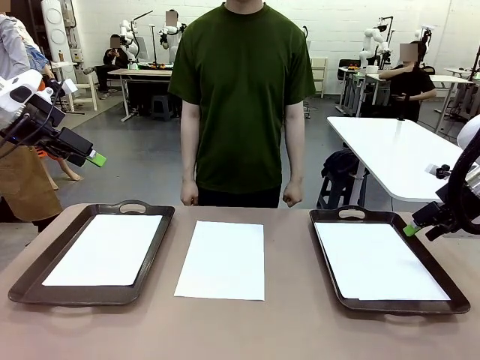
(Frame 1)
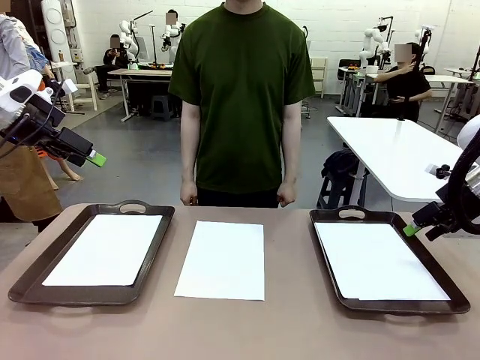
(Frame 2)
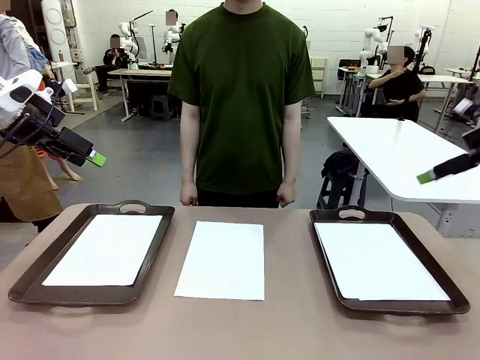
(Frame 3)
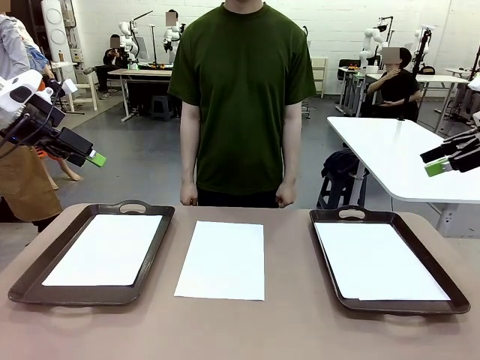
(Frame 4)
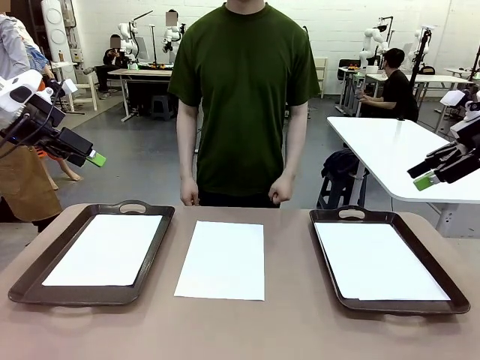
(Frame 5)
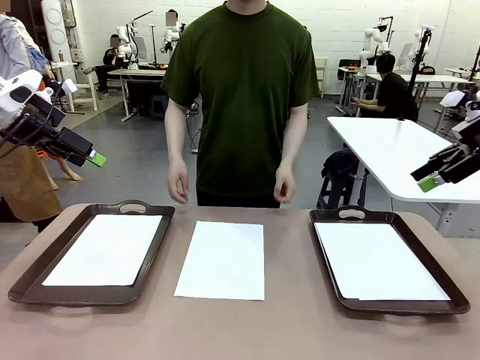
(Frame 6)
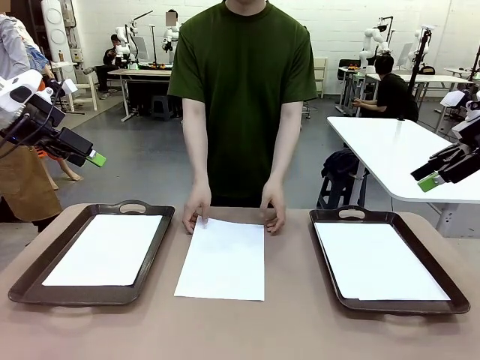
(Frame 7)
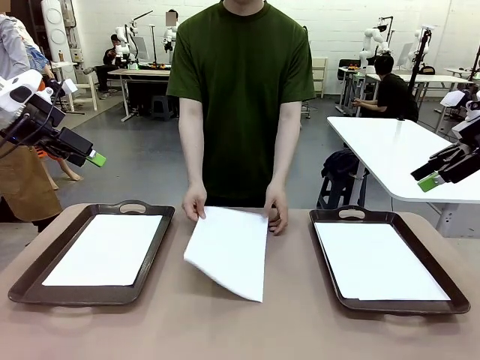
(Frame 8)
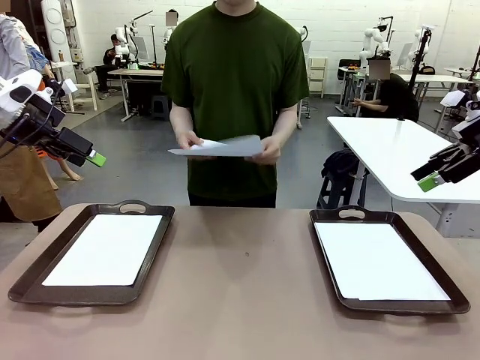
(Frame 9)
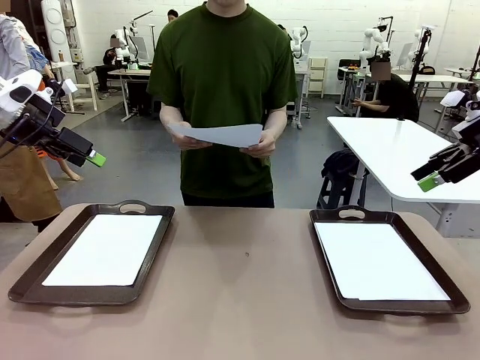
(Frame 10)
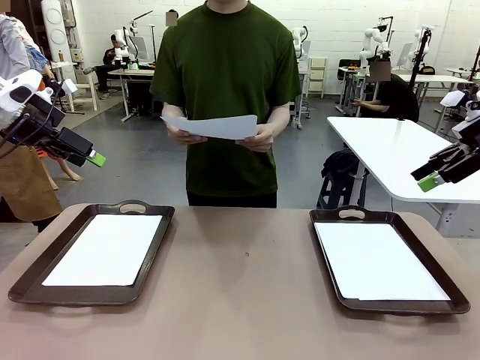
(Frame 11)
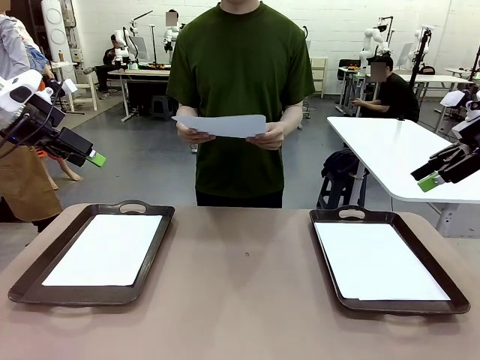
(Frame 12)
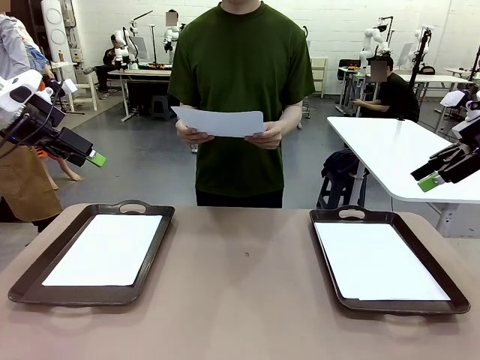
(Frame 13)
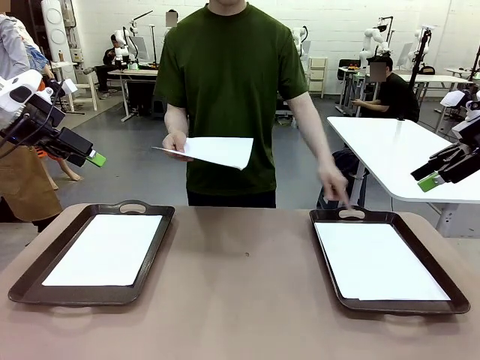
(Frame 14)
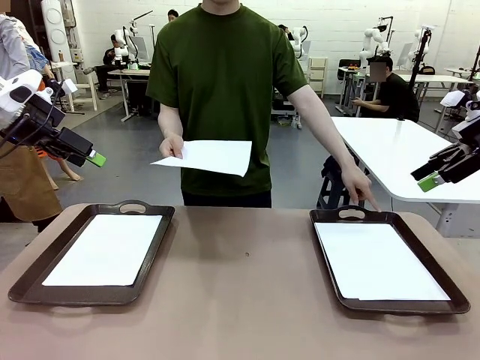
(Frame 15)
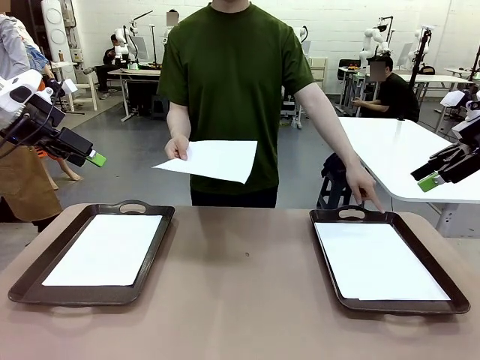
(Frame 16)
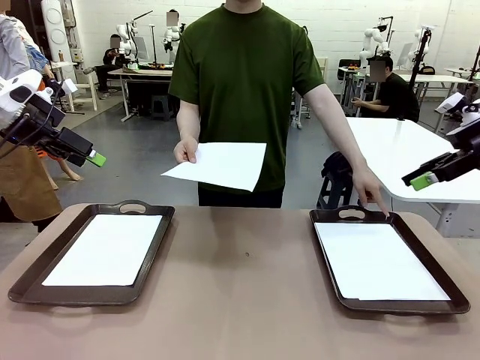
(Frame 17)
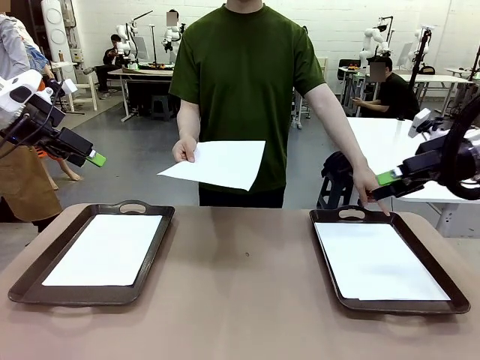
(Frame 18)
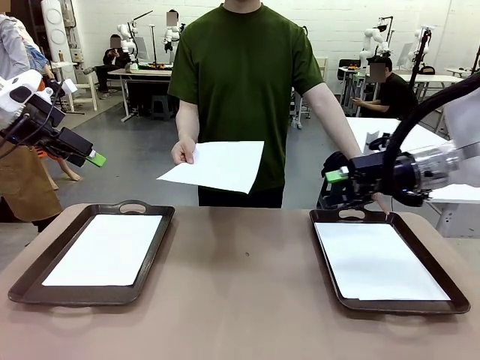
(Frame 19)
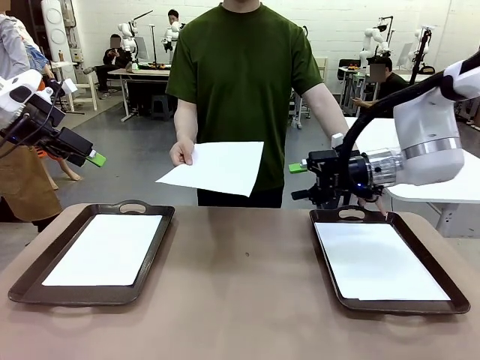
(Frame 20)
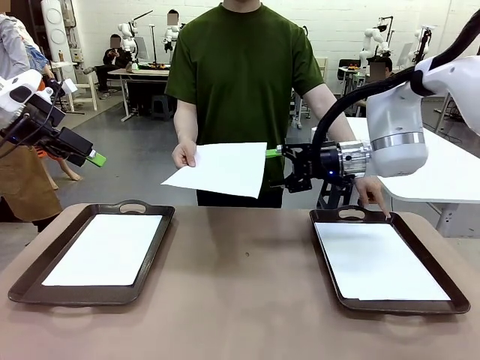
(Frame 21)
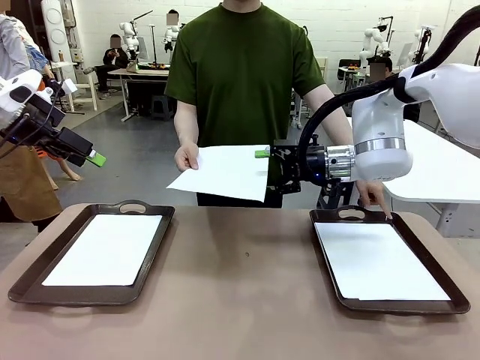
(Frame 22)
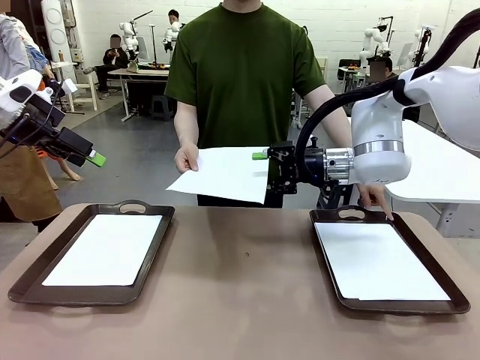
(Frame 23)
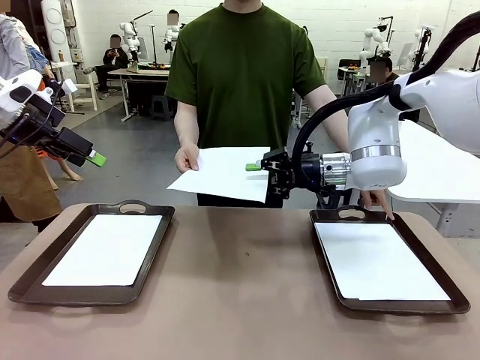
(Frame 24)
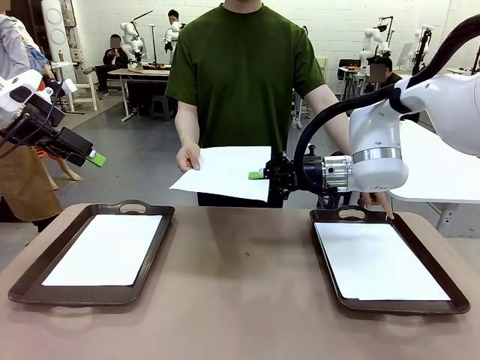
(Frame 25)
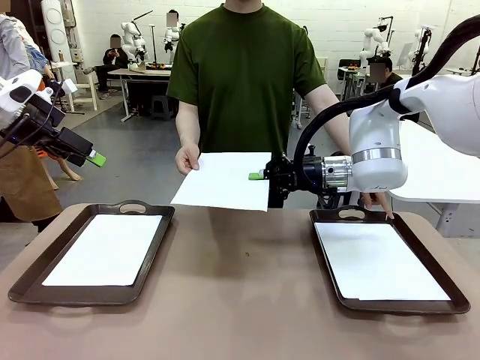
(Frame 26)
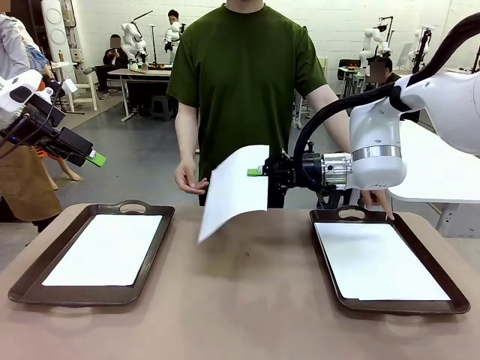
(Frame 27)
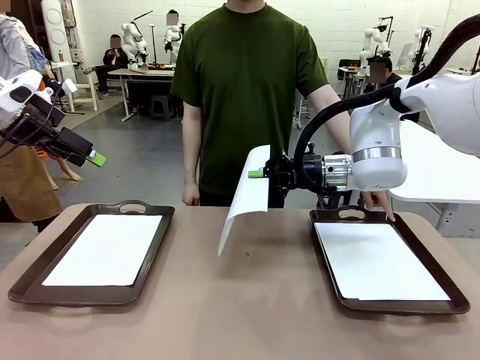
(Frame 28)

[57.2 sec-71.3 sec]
Task: Sort the A4 documents.
Robot: Receive the A4 Paper.
Person: Point the randomly selected tray with the other hand.

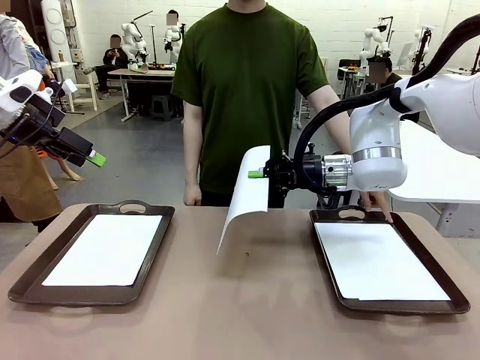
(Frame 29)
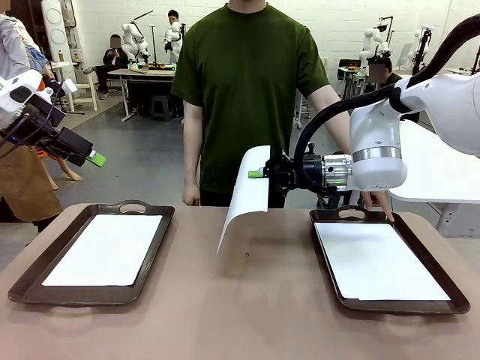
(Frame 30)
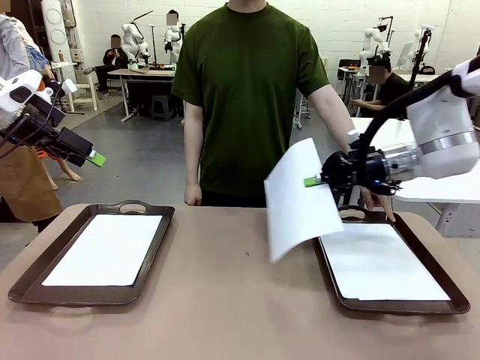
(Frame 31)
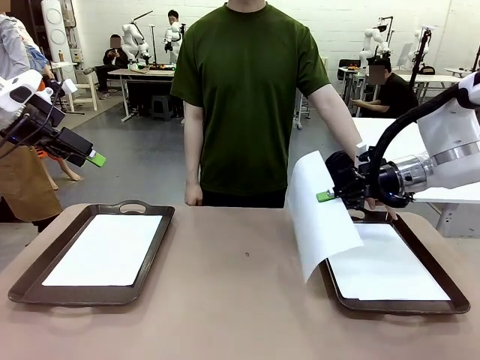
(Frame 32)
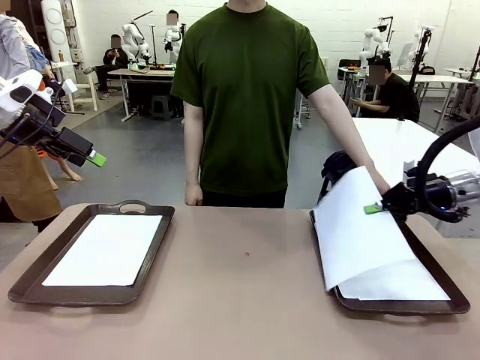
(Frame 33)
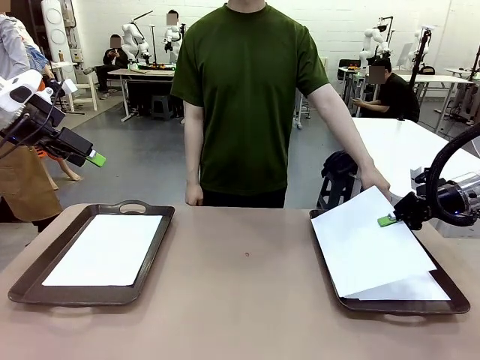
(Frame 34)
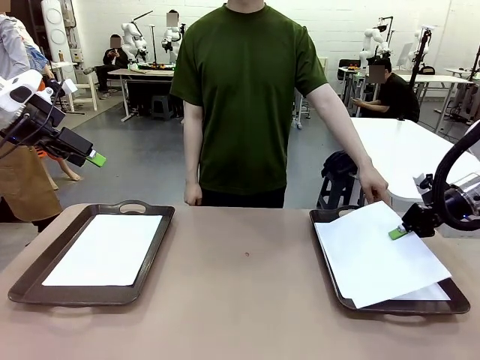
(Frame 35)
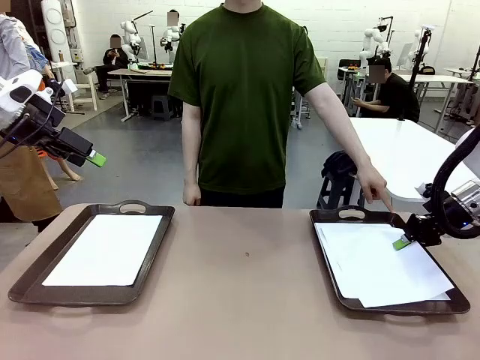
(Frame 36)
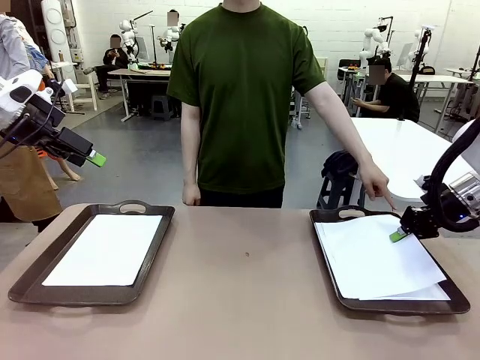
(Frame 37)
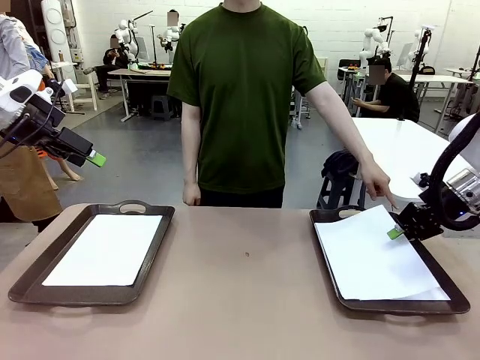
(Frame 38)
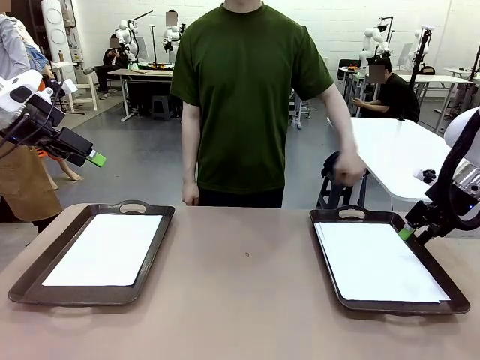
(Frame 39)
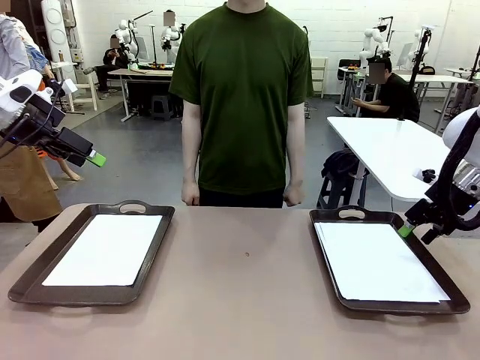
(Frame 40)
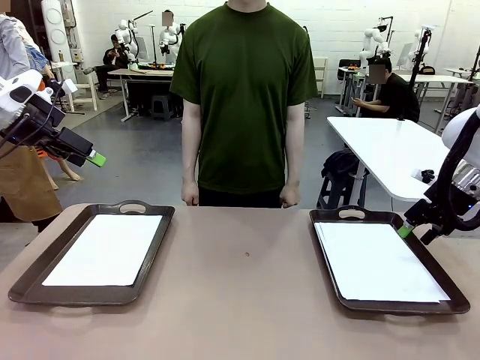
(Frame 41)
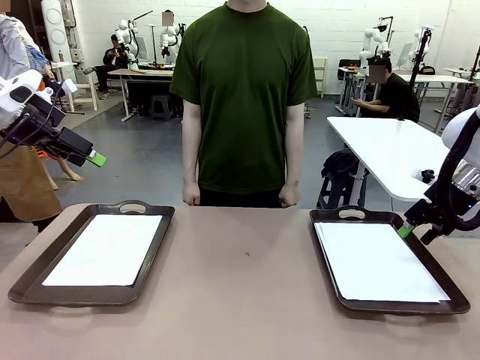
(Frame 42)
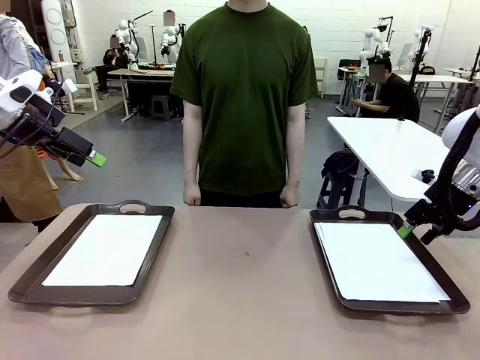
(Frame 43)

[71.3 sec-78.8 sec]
Robot: Place the A4 Paper in the designated Handle tray.

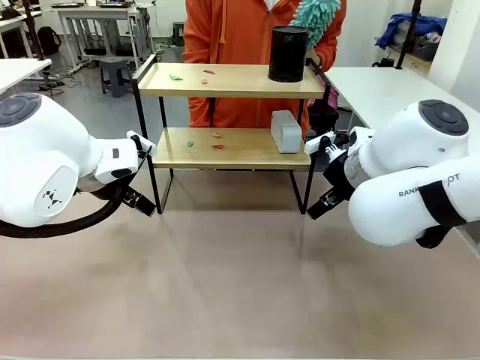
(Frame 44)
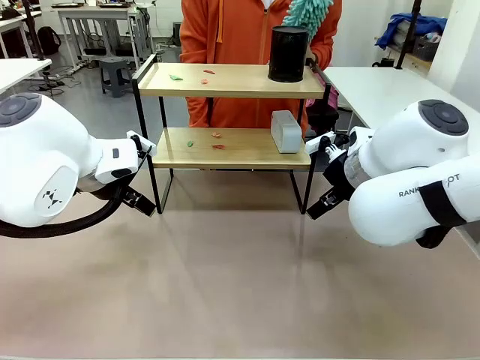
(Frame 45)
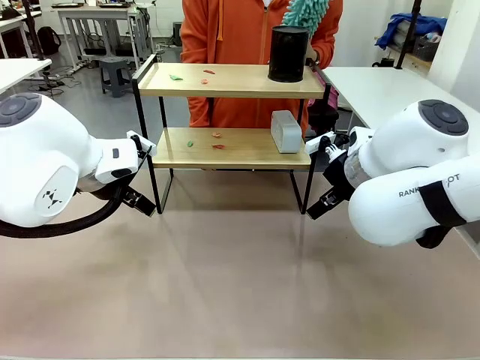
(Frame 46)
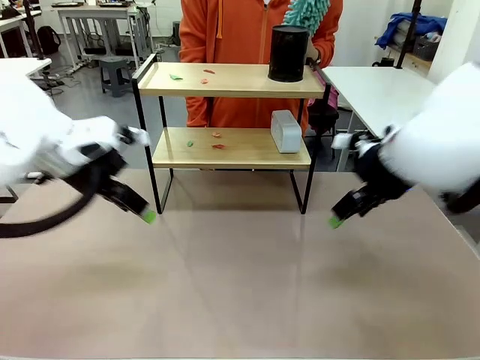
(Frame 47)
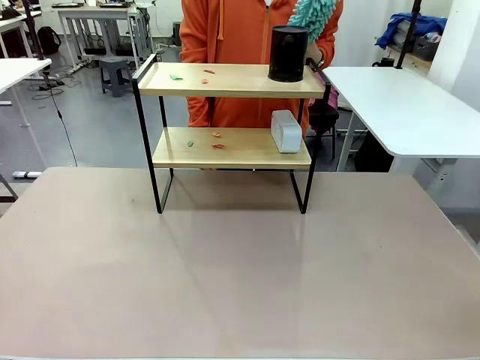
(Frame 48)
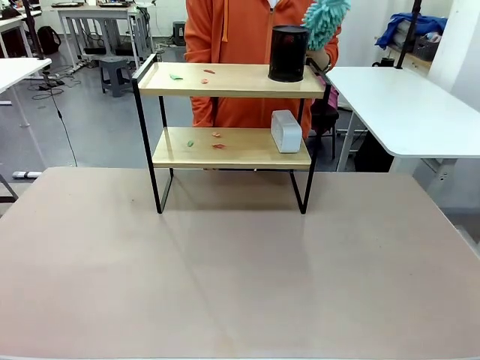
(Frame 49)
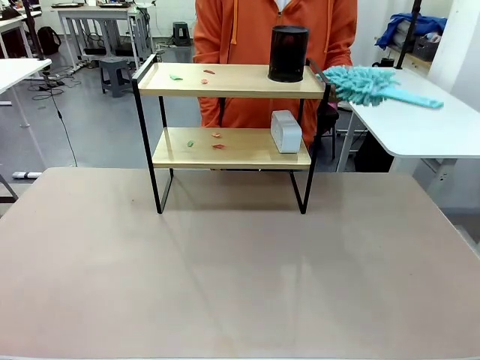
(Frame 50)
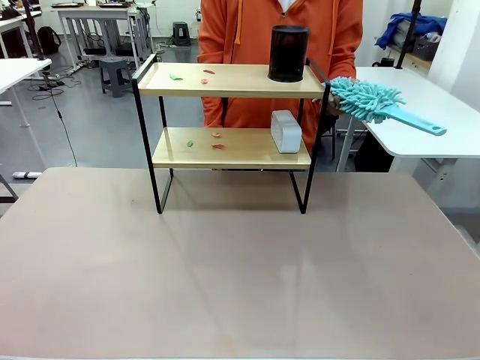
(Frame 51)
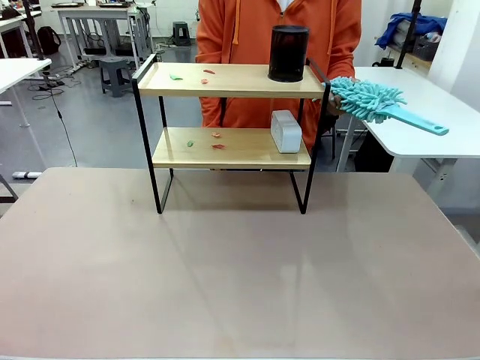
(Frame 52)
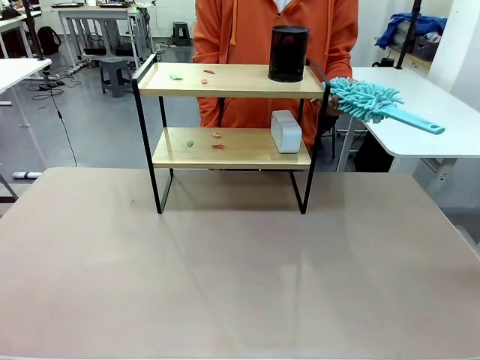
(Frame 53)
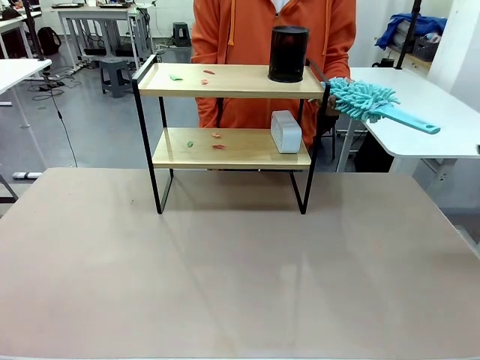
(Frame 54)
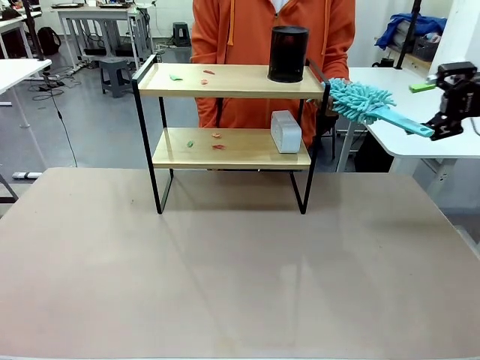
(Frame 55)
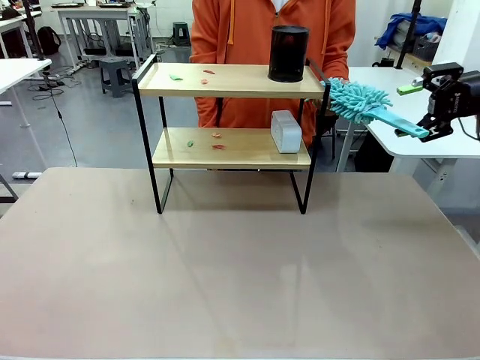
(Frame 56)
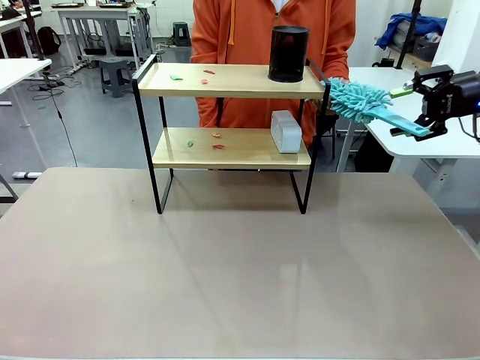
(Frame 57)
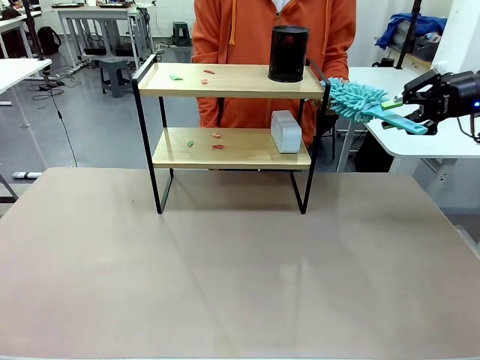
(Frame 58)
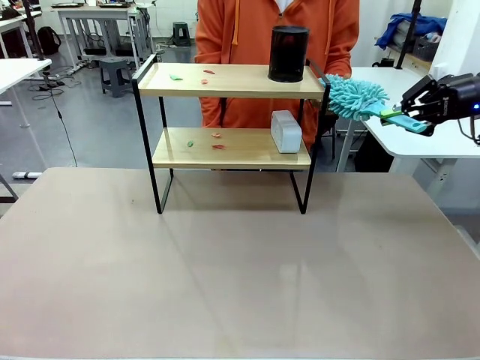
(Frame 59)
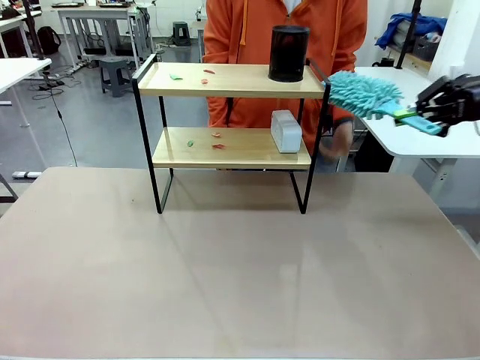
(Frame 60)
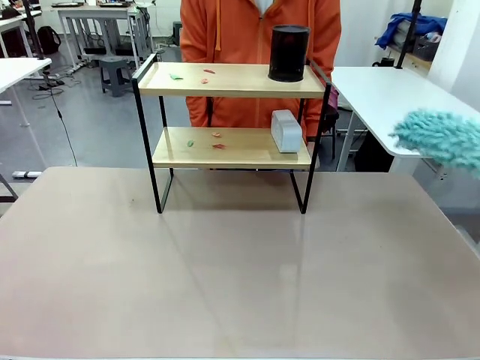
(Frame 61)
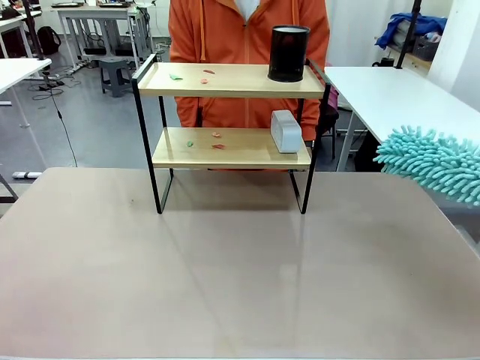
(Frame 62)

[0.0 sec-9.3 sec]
Task: Clean the shelf.
Robot: Pick up the Duster from the human.
Person: Hand the Duster to the robot.
